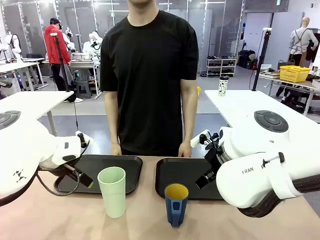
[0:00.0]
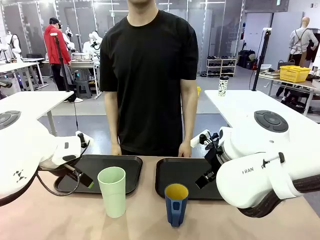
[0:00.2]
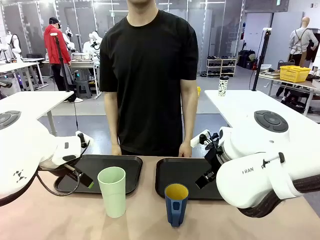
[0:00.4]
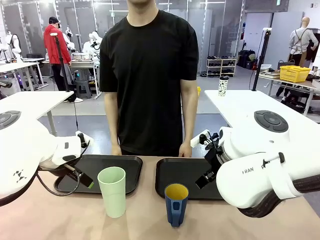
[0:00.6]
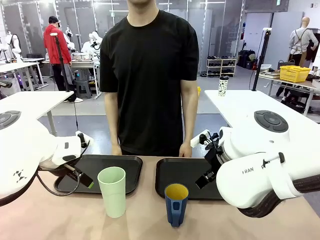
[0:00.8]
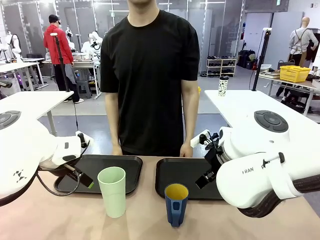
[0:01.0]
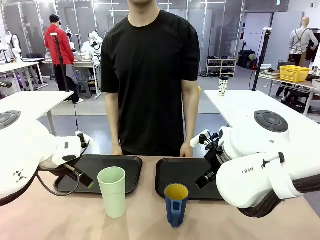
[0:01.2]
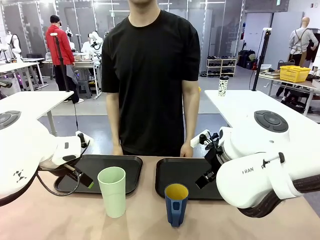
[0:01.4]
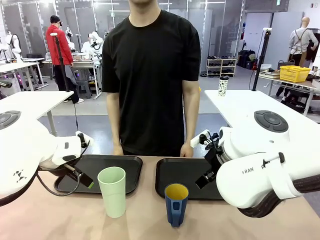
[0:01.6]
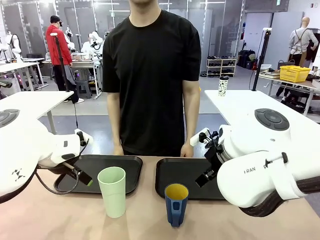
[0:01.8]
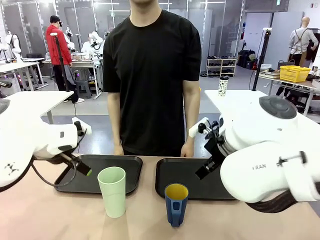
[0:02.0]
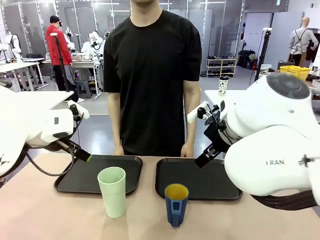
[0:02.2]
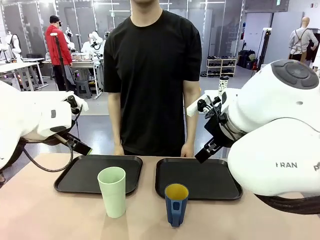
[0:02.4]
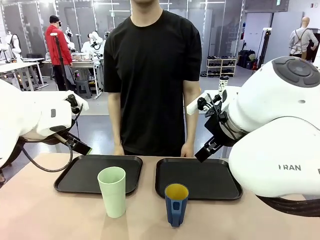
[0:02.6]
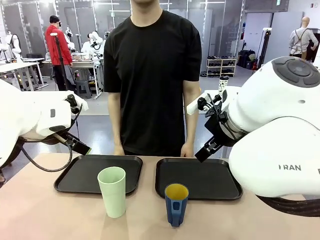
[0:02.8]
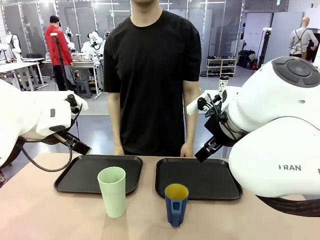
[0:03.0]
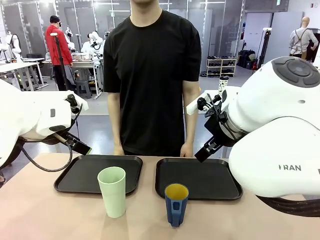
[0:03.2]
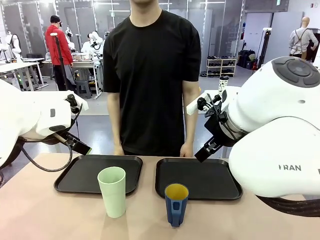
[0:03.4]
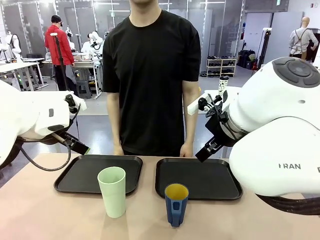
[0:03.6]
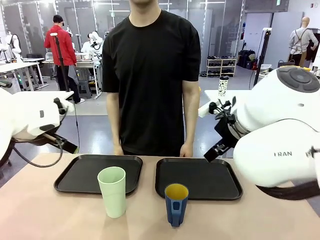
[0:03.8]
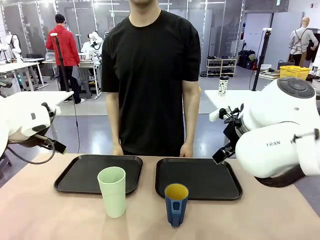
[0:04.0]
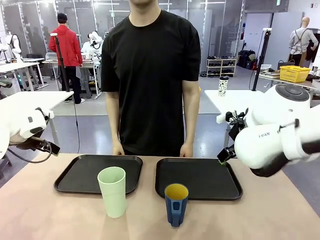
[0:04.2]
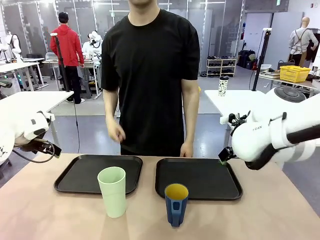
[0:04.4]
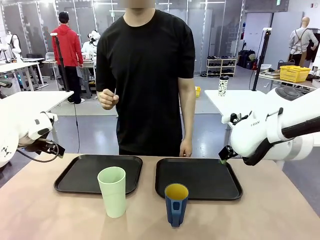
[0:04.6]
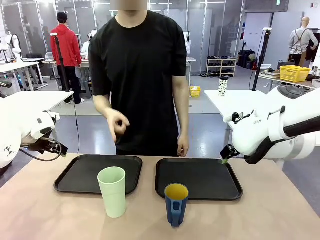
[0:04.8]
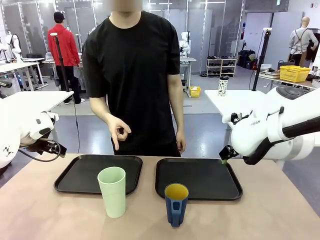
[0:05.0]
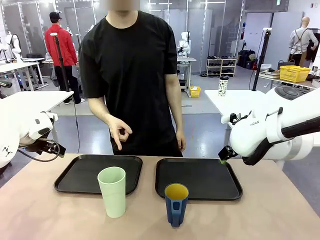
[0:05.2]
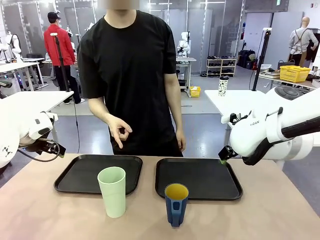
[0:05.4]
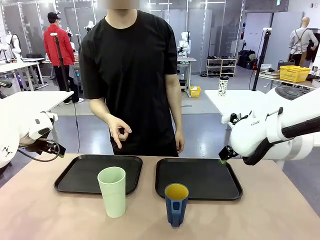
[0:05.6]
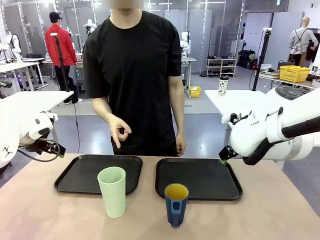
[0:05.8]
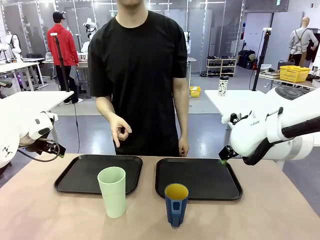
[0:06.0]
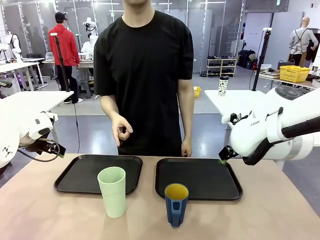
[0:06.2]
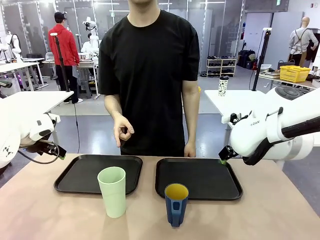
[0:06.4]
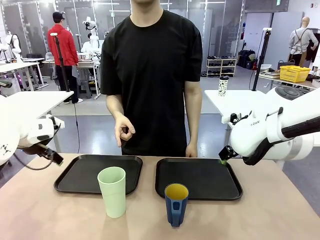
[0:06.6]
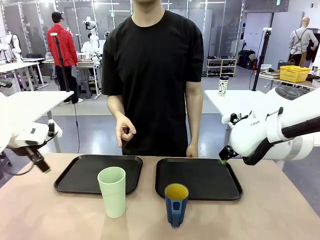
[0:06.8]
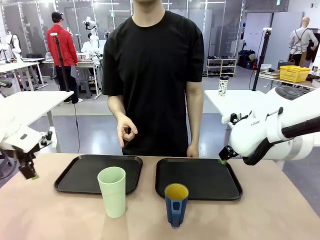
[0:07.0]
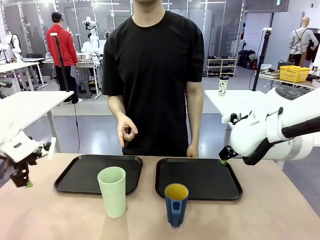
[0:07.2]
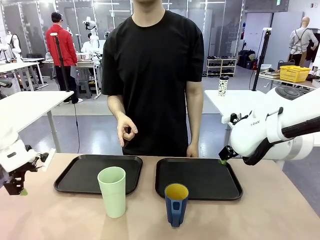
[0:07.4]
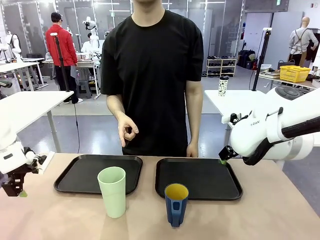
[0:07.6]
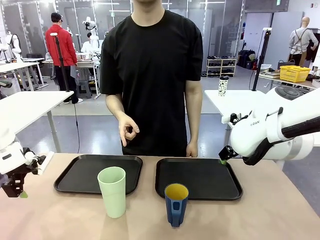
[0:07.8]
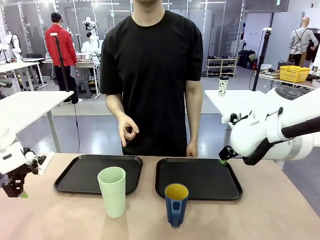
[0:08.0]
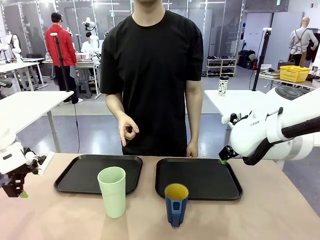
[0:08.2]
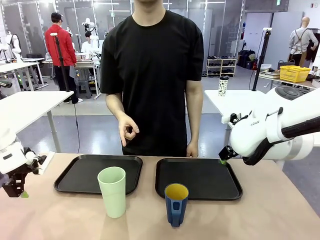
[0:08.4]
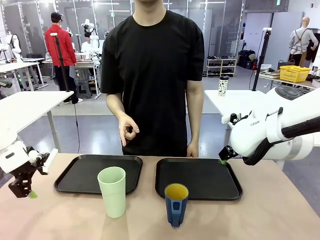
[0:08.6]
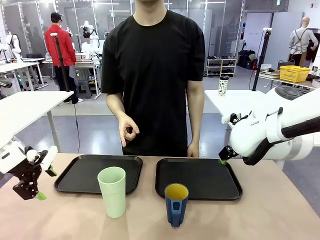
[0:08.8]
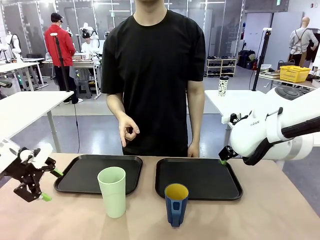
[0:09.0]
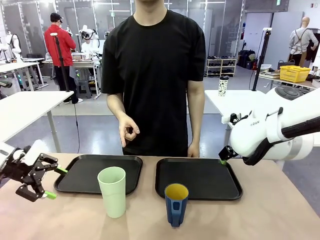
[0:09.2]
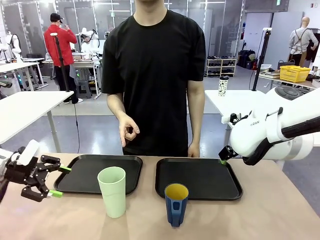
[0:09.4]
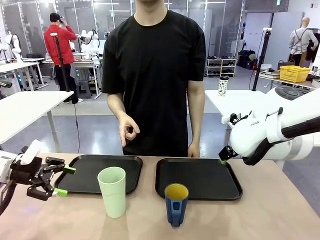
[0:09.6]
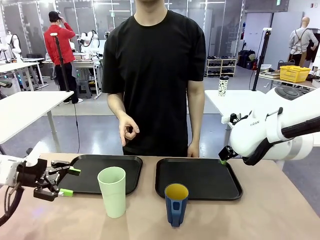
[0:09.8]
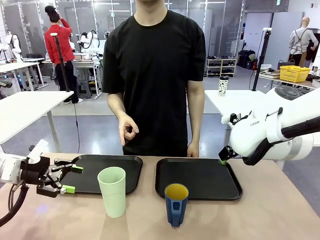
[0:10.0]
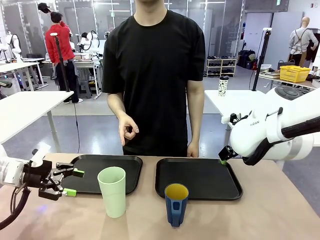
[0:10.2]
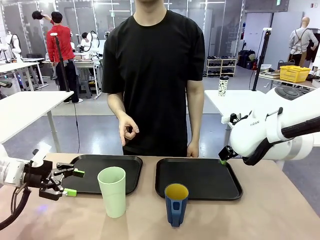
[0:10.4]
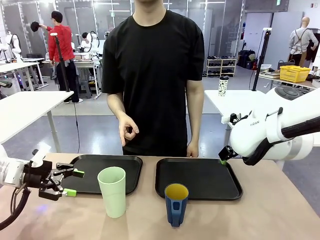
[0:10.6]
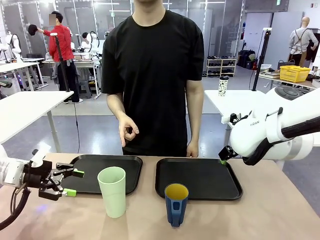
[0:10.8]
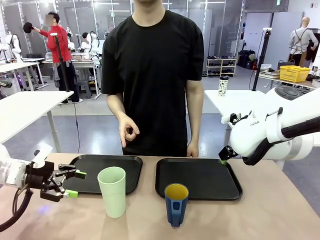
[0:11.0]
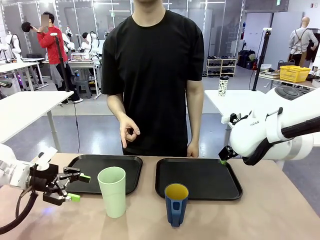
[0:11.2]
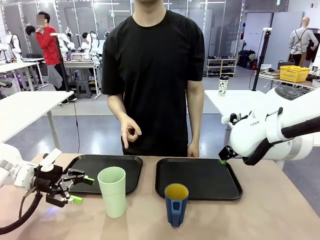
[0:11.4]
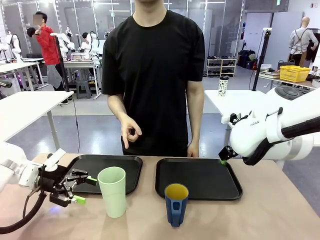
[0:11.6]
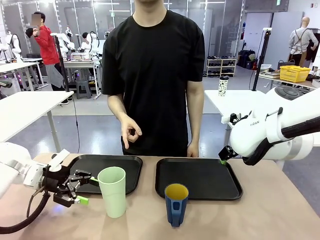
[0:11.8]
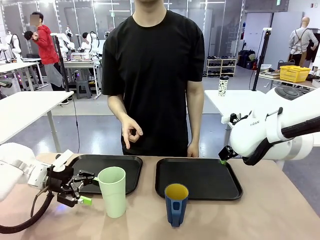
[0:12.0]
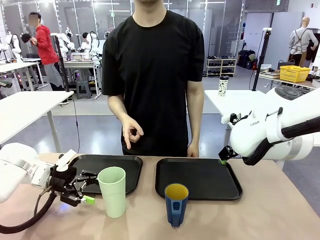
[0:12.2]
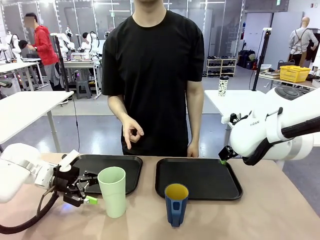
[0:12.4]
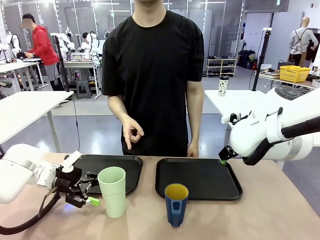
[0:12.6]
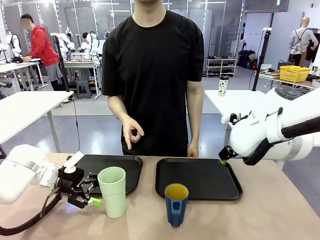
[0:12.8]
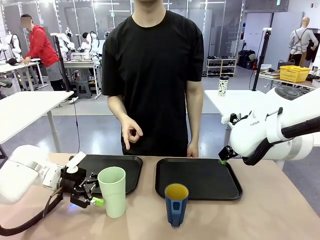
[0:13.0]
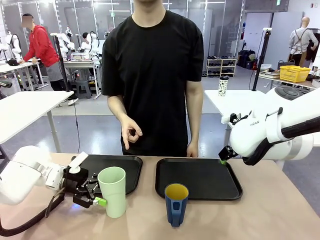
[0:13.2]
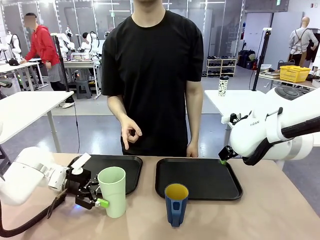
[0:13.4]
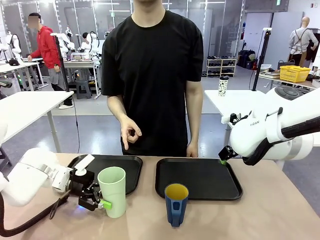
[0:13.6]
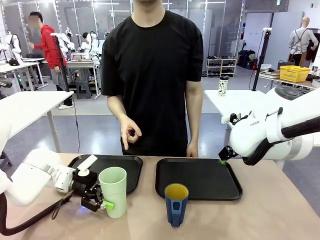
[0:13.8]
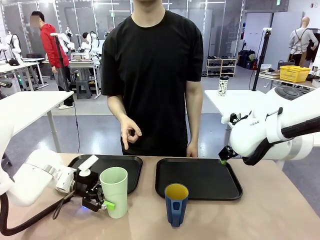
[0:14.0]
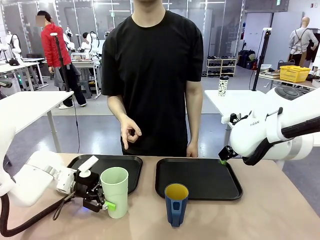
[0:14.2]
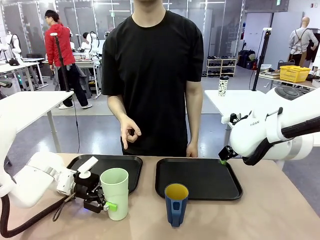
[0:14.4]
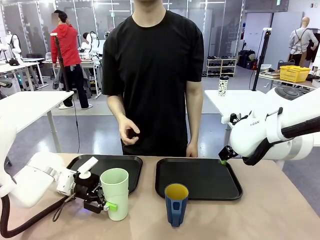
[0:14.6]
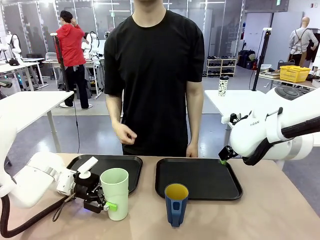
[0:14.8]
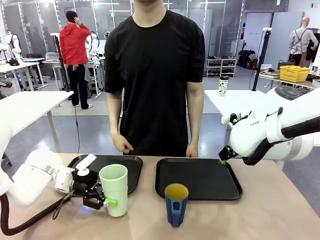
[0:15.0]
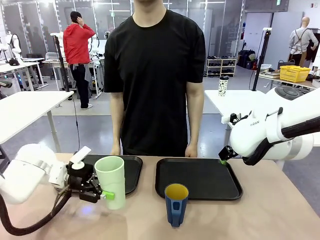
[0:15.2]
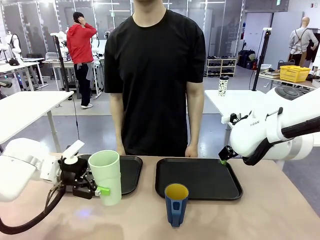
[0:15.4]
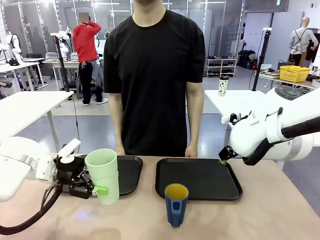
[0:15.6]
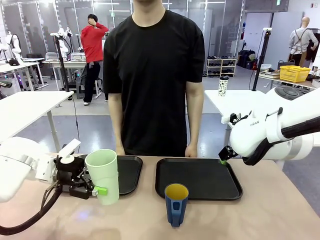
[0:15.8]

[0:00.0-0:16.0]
Task: Sort and store the cups by type.
Robot: Pick up the Reusable plastic cup.
Person: Points to the reusable cup. Point to one of the two trays.

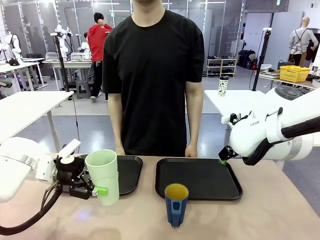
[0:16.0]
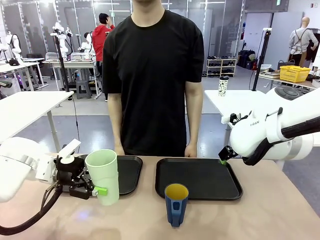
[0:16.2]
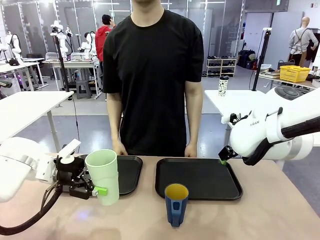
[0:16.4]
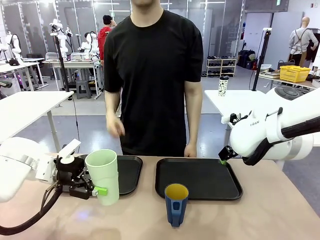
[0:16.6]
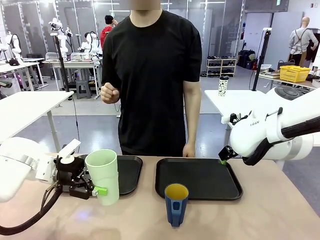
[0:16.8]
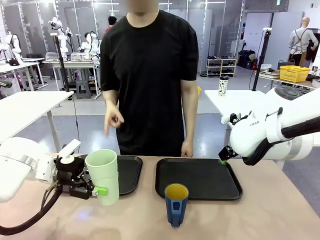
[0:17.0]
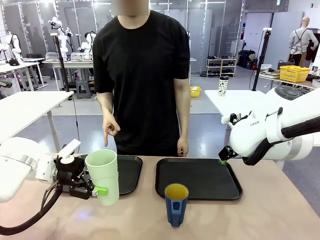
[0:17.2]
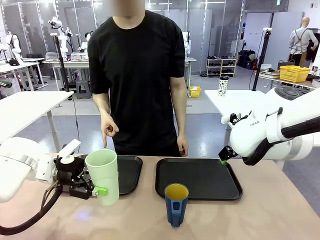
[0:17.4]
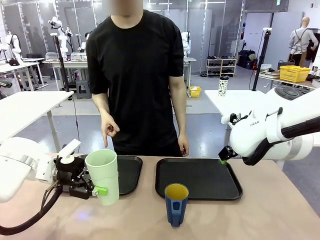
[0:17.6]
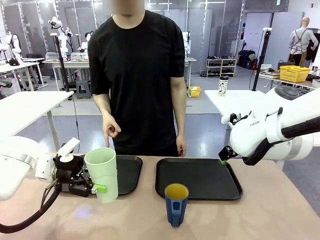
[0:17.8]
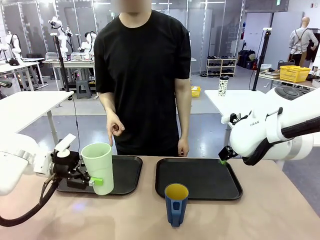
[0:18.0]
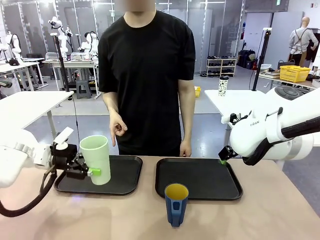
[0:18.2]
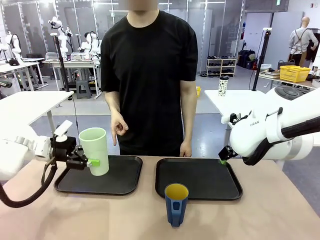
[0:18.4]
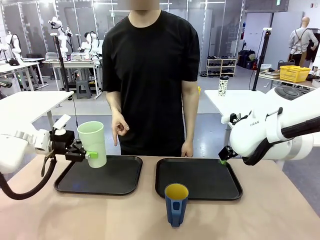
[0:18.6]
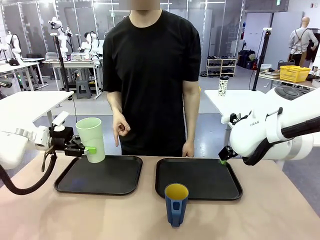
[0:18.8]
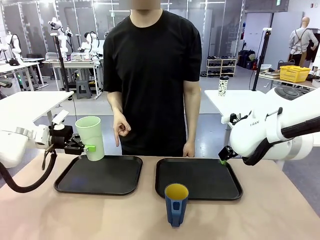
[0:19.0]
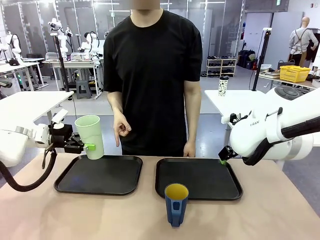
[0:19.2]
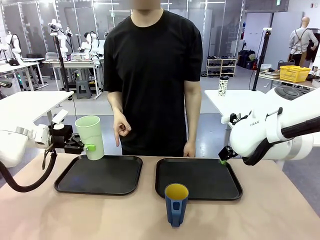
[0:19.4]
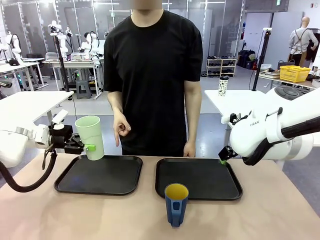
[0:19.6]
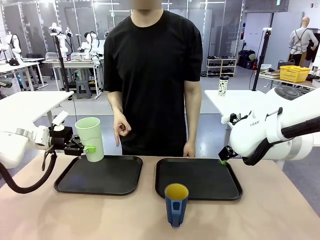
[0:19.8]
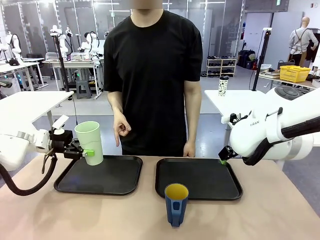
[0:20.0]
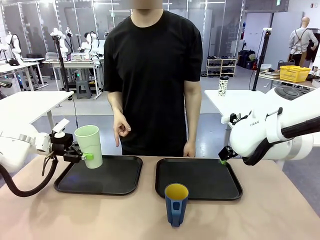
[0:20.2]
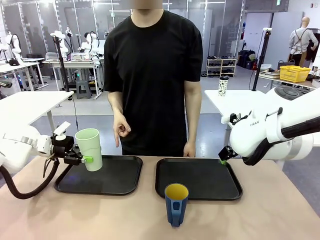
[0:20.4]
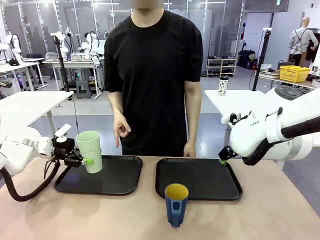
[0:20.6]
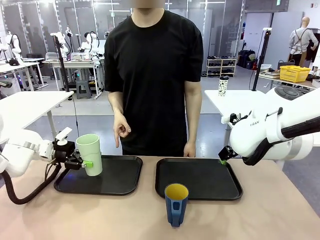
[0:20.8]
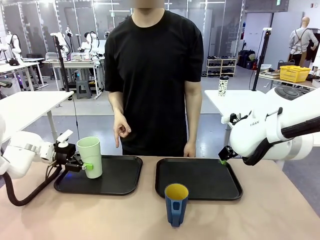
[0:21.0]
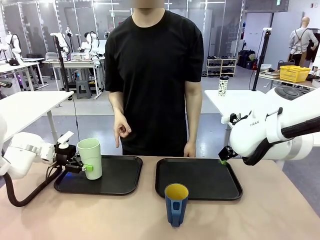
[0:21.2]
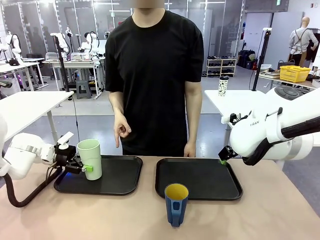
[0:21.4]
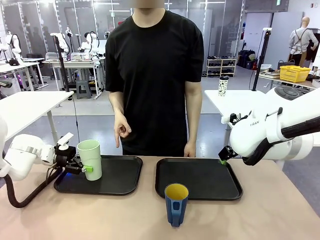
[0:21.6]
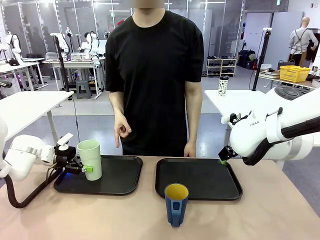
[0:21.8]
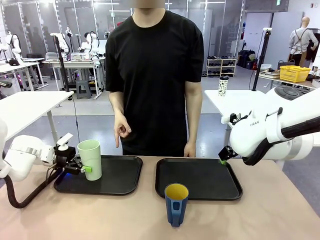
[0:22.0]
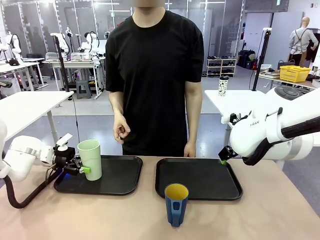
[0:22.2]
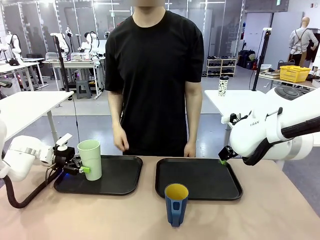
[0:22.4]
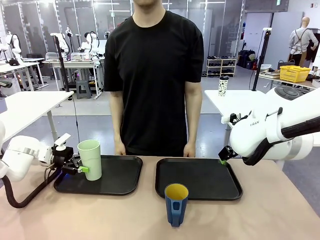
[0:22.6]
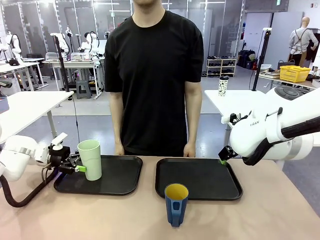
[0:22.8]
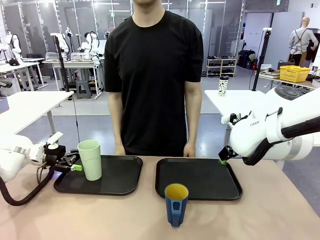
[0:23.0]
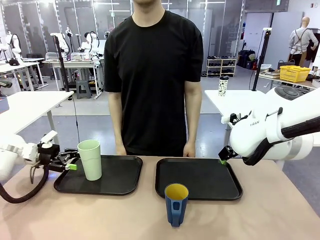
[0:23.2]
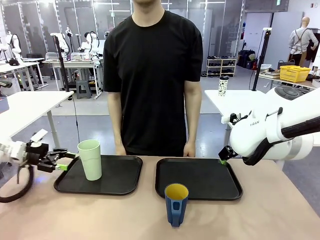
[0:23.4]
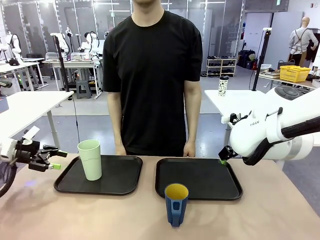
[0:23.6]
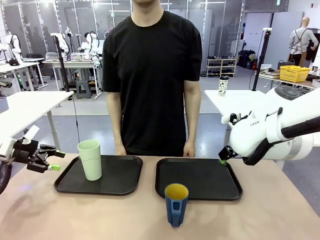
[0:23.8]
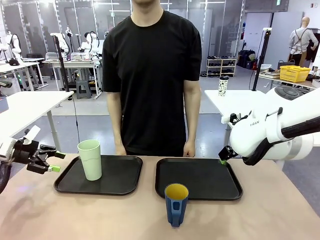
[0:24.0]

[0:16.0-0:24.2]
Robot: Place the picked Reusable plastic cup into the Flat Tray indicated by the person.
